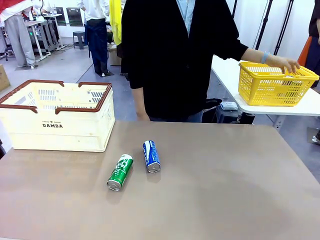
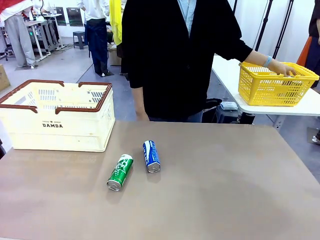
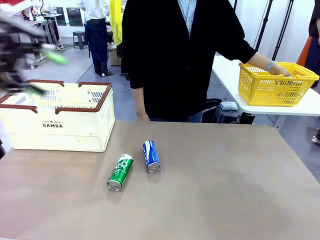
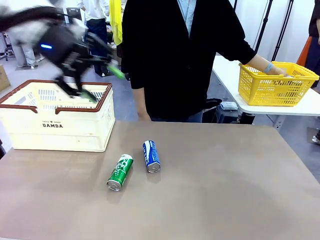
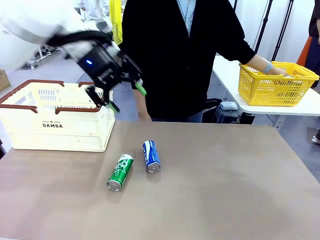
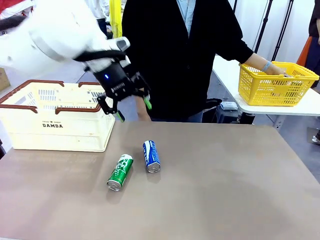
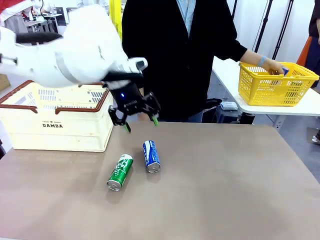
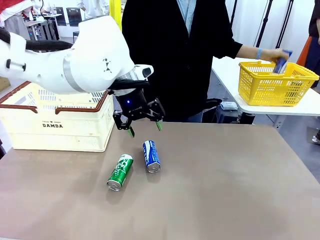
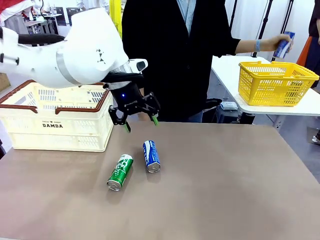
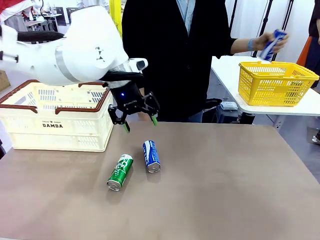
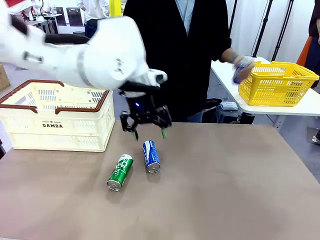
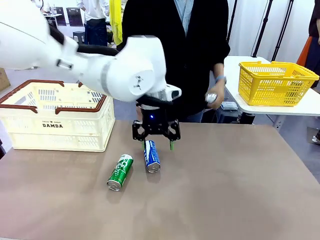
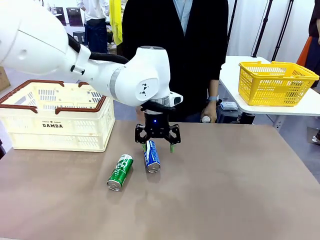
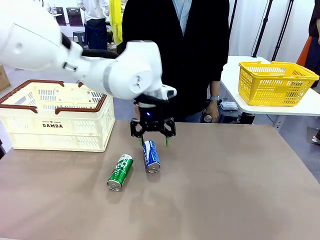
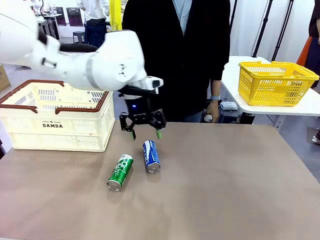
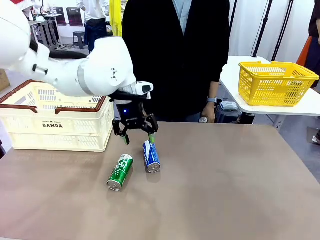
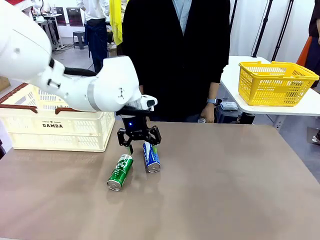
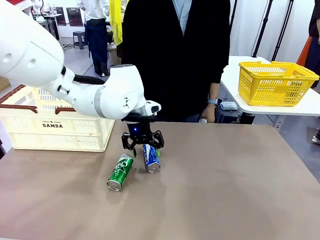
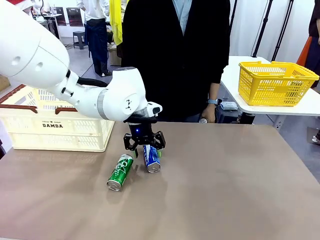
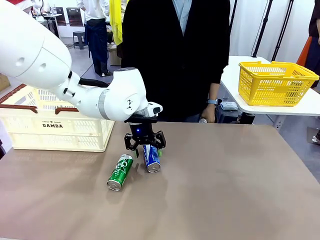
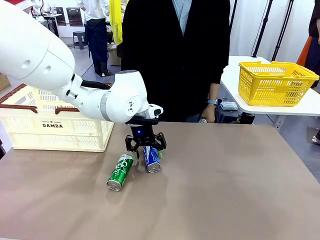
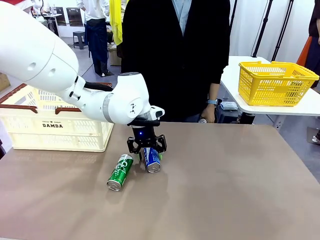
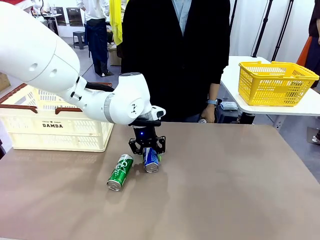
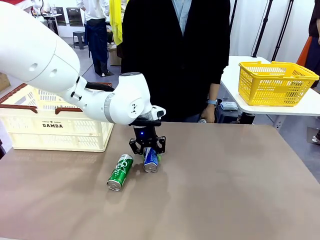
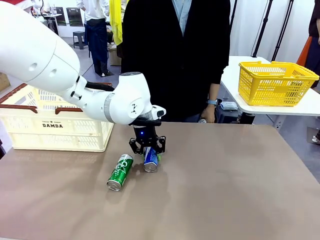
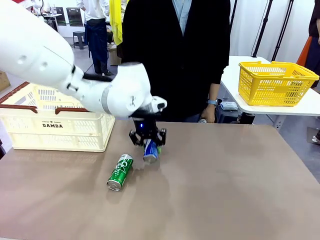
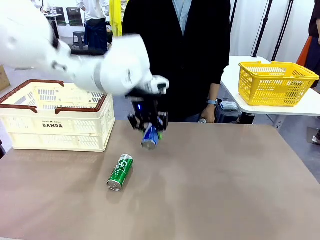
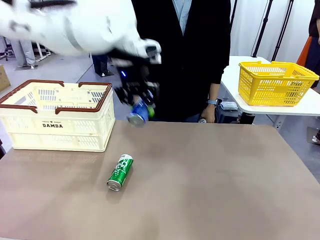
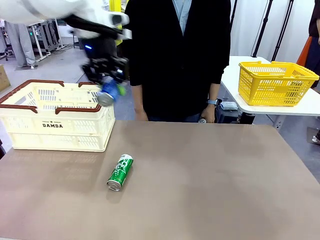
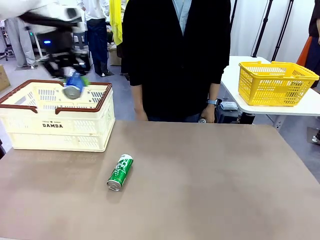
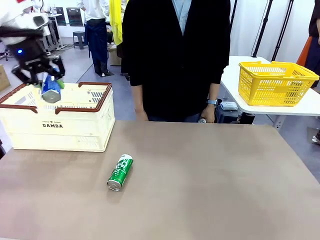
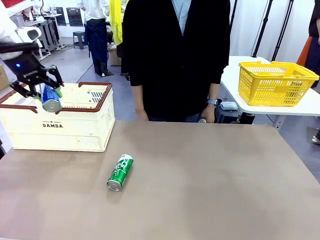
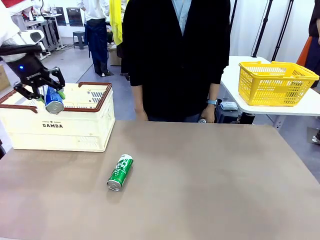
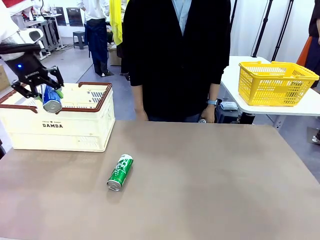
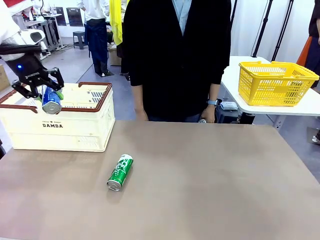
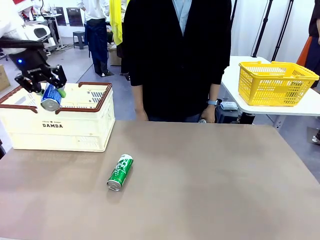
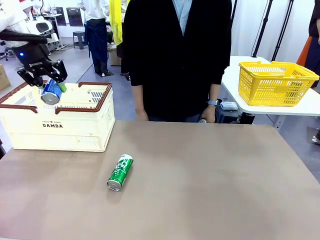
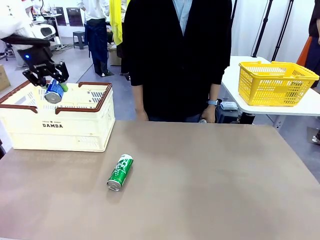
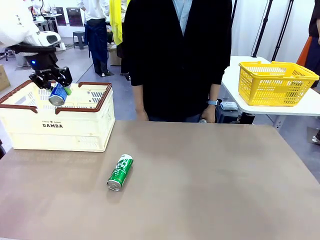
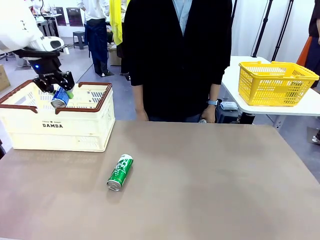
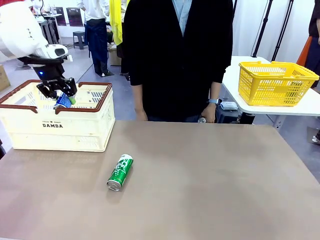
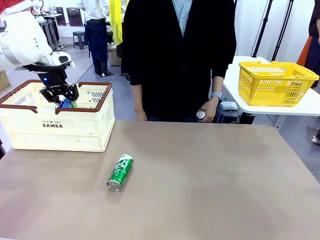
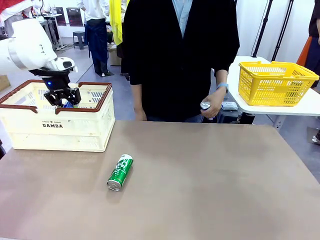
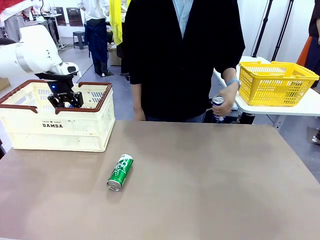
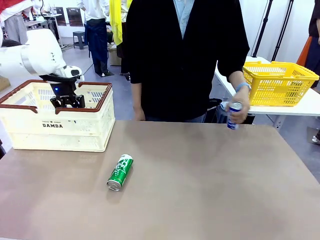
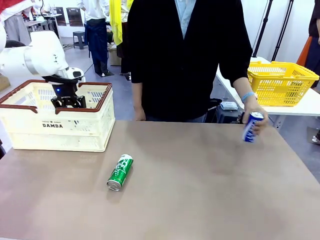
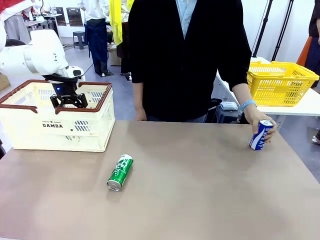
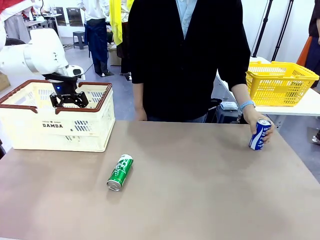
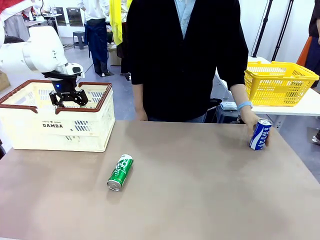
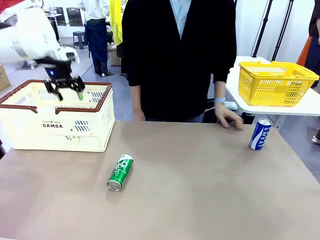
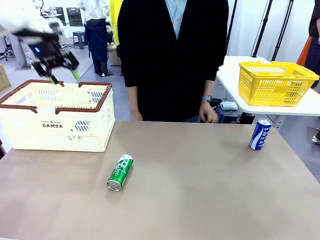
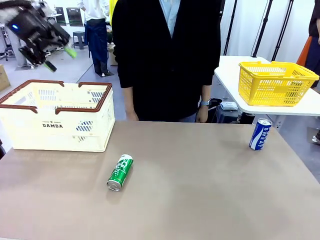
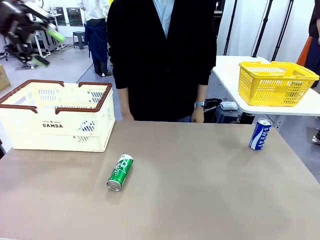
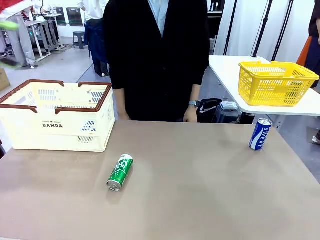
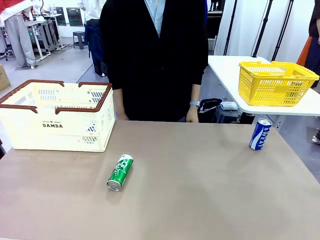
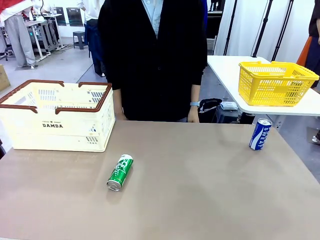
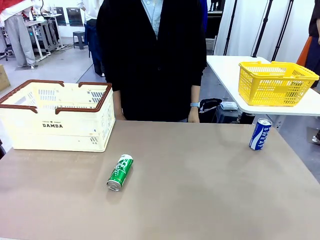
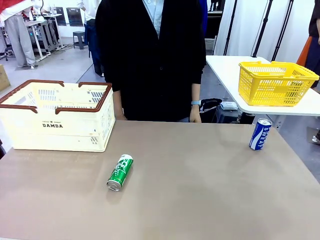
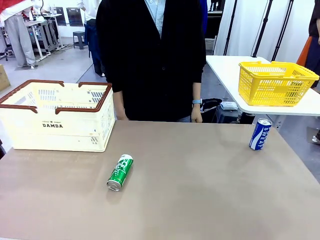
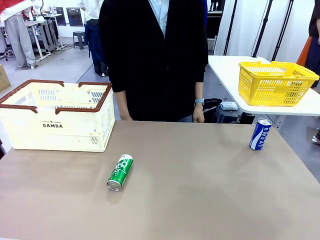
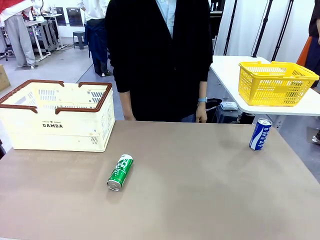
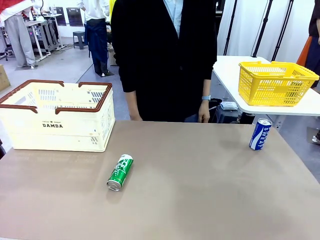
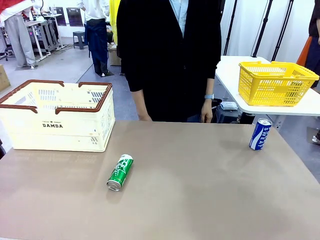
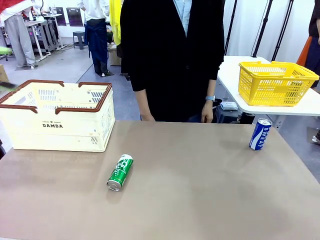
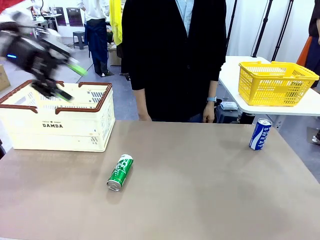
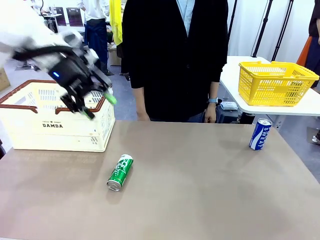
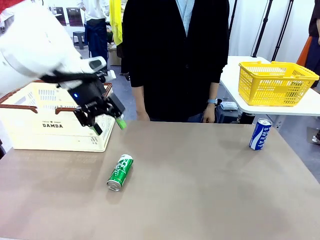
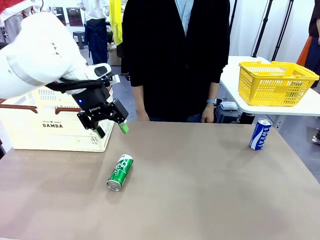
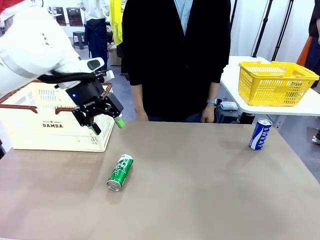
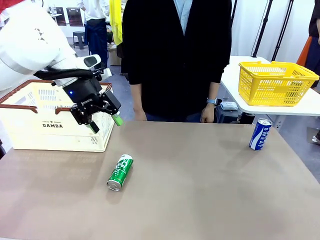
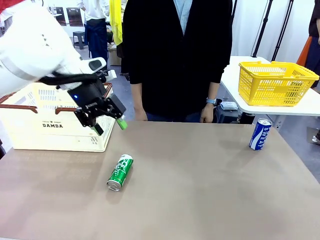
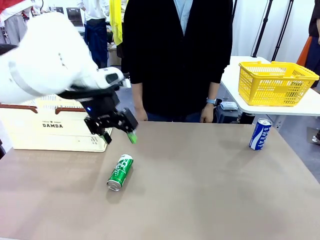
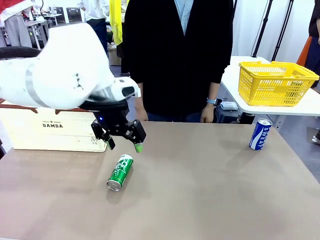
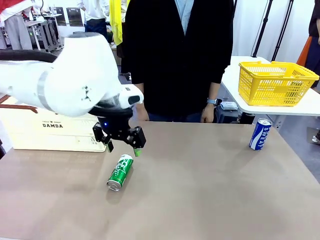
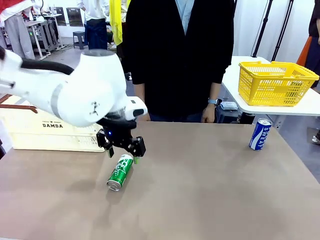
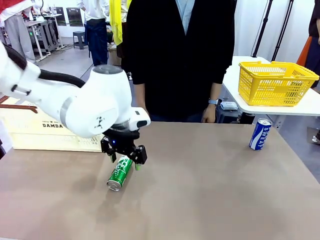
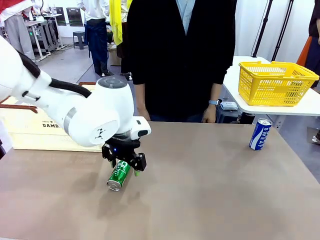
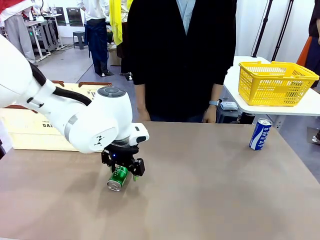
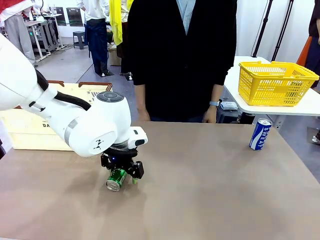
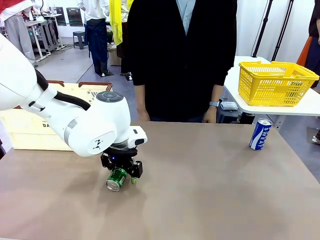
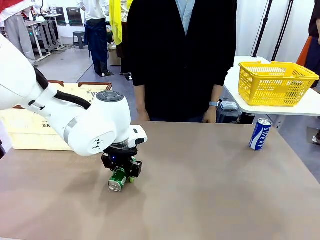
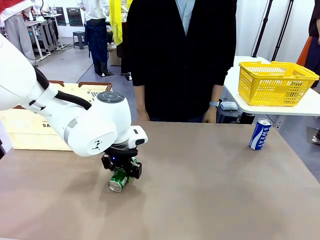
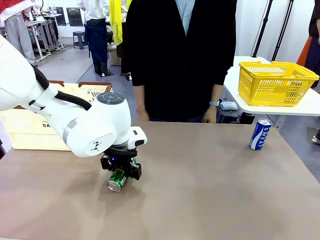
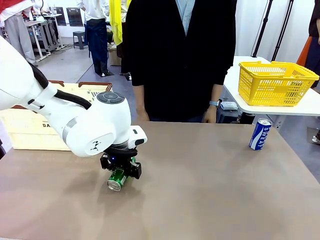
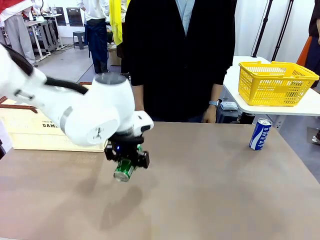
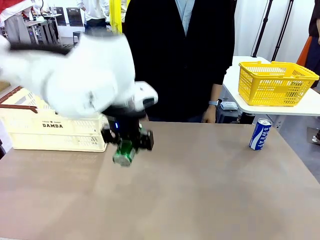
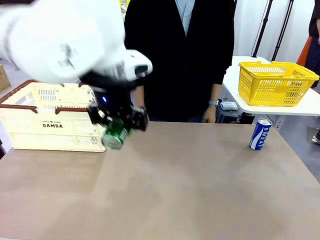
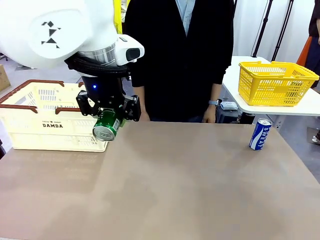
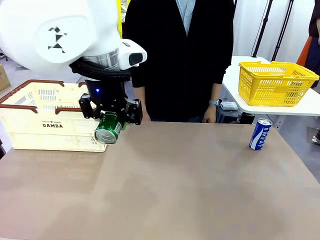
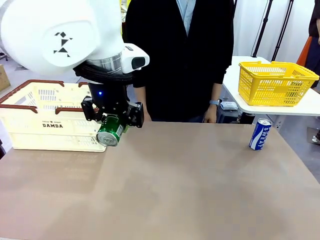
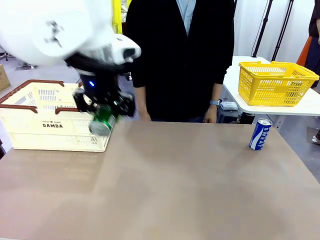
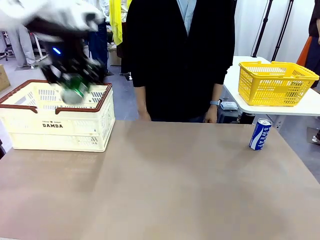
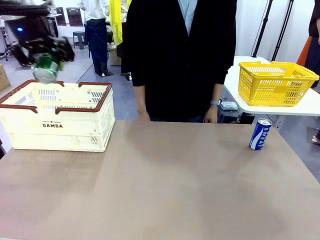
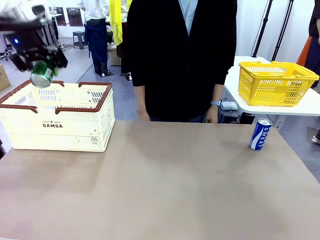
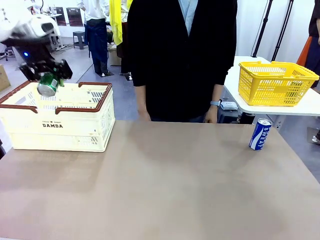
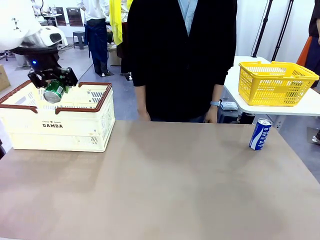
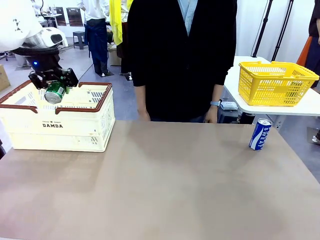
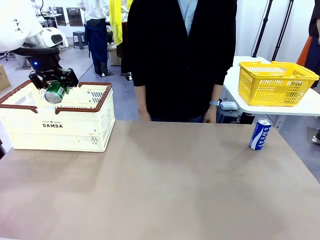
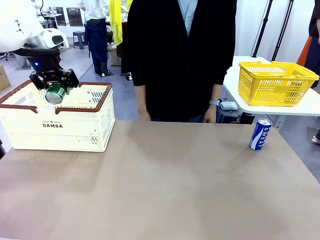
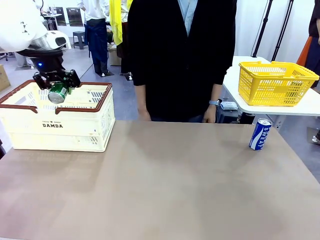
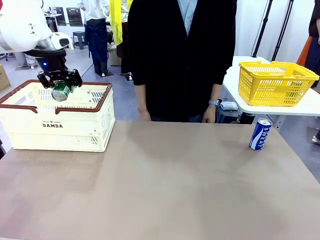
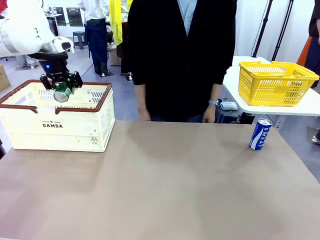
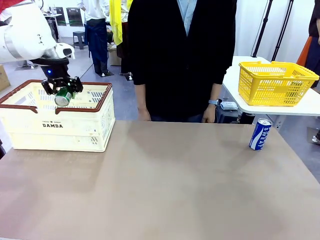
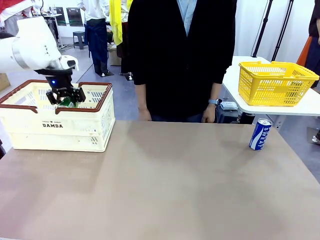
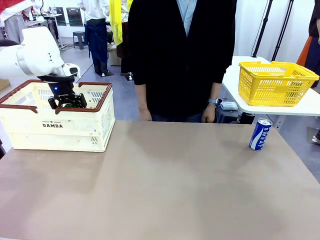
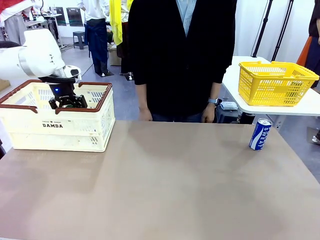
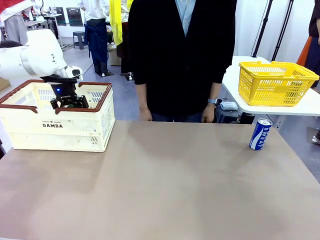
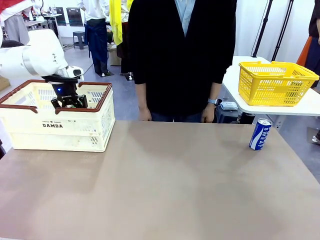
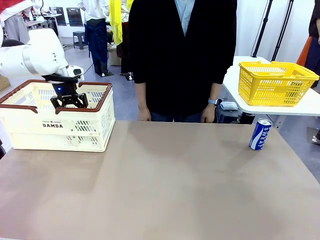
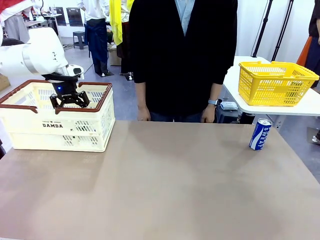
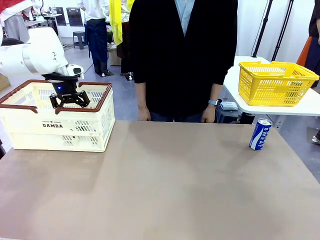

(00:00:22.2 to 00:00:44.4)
Task: Place the drinks into the Shopping basket.
Robot: Pick up one drink and place it into the Shopping basket.
